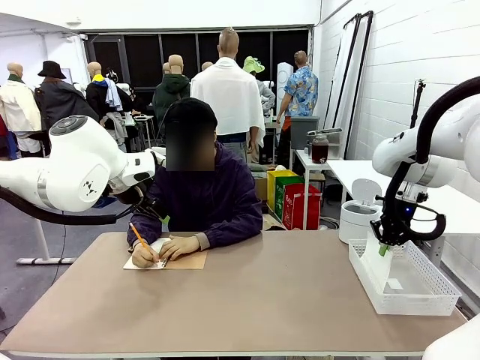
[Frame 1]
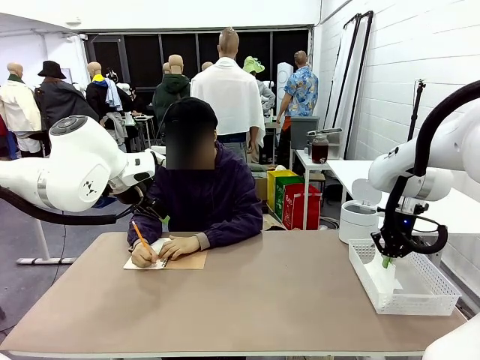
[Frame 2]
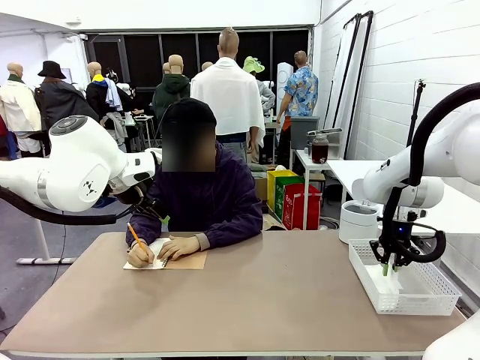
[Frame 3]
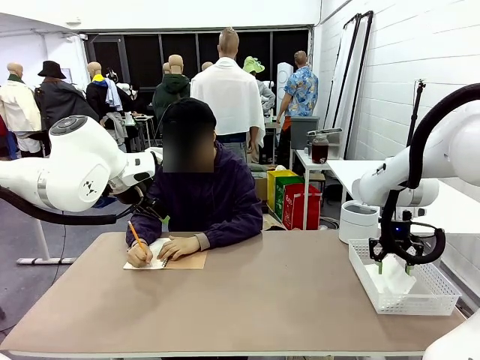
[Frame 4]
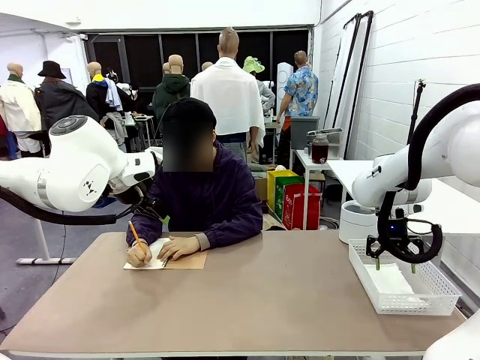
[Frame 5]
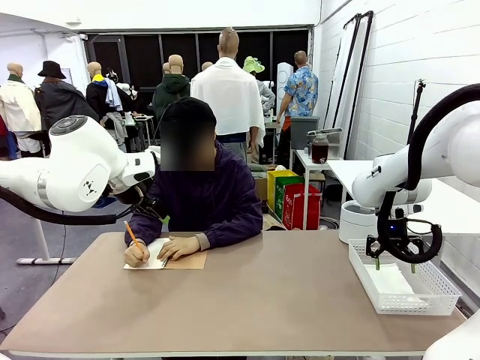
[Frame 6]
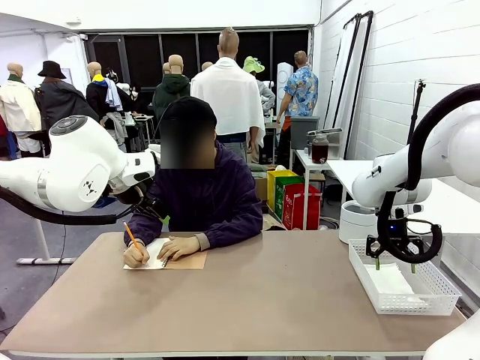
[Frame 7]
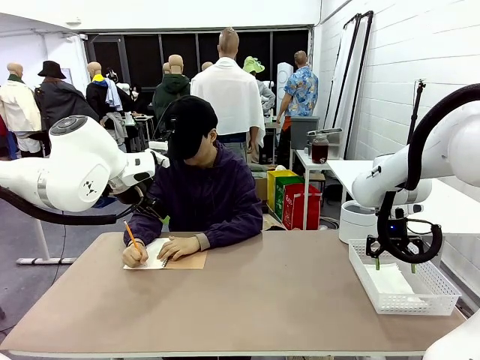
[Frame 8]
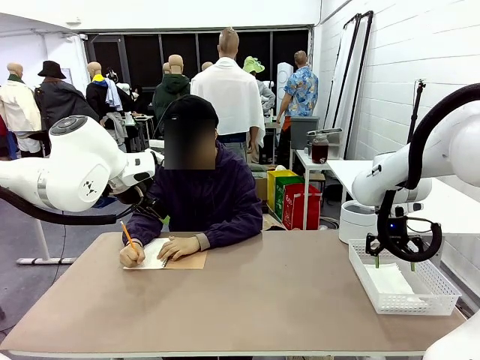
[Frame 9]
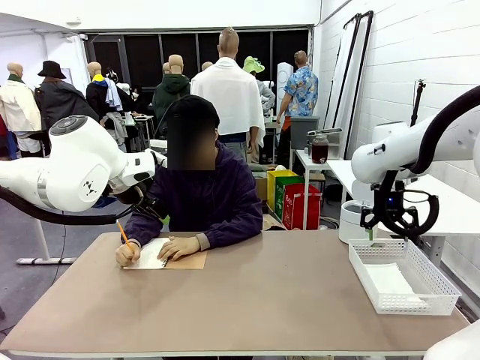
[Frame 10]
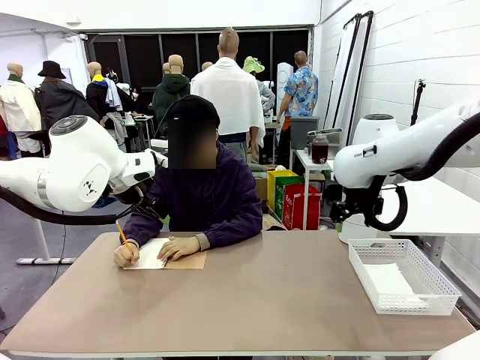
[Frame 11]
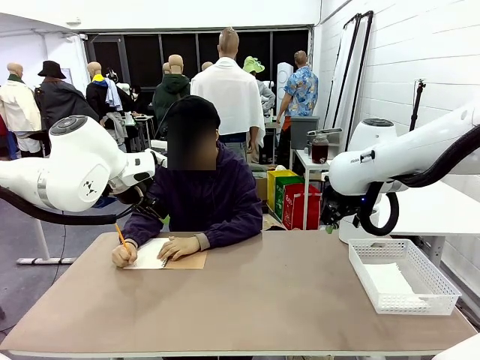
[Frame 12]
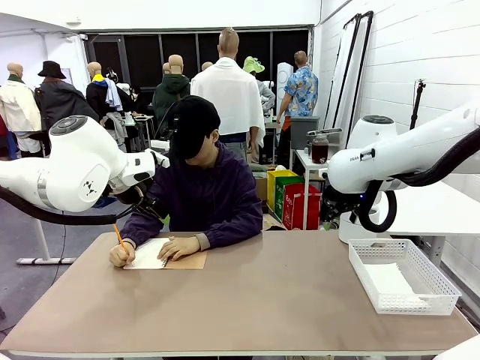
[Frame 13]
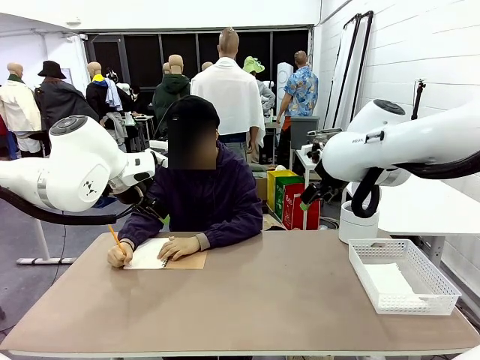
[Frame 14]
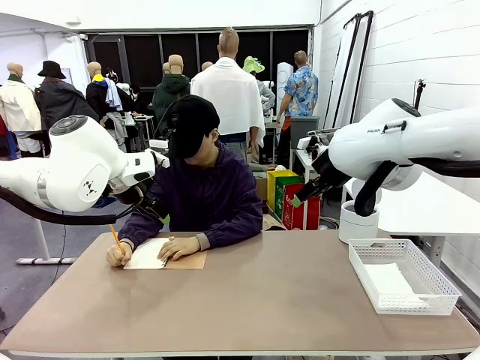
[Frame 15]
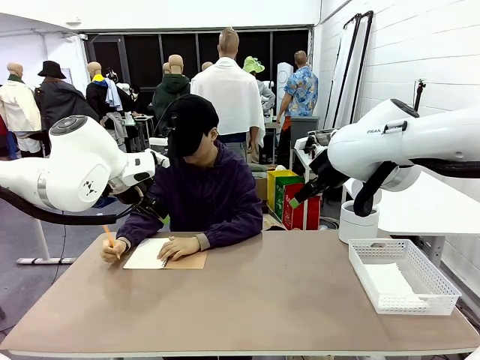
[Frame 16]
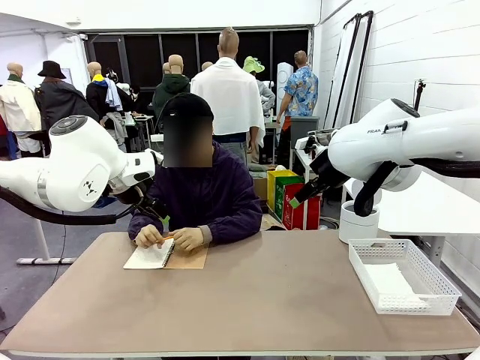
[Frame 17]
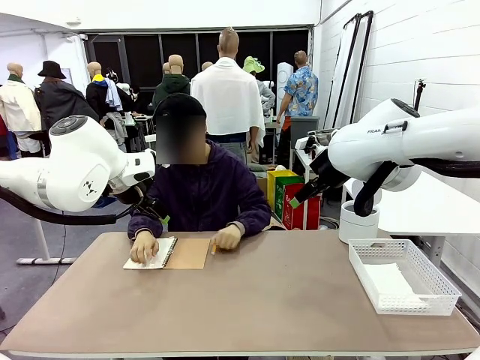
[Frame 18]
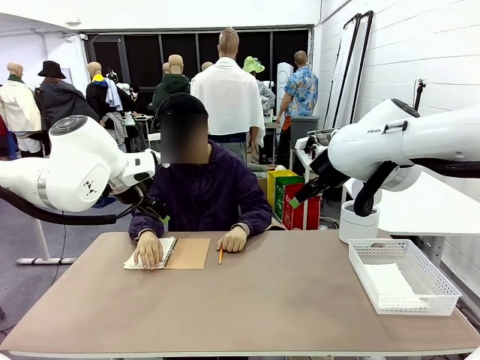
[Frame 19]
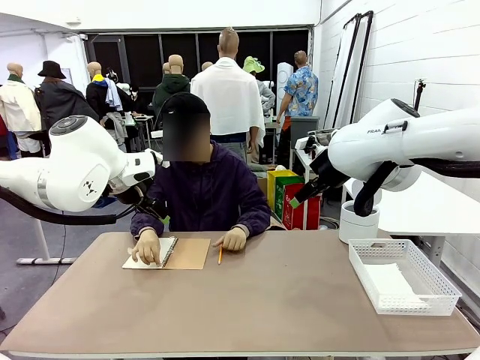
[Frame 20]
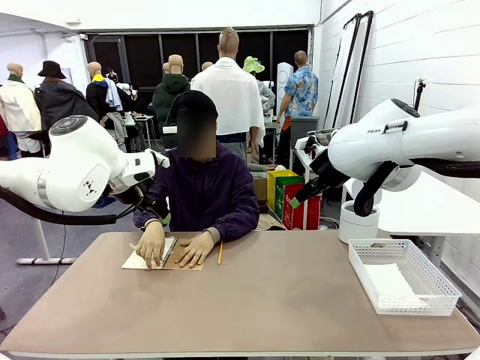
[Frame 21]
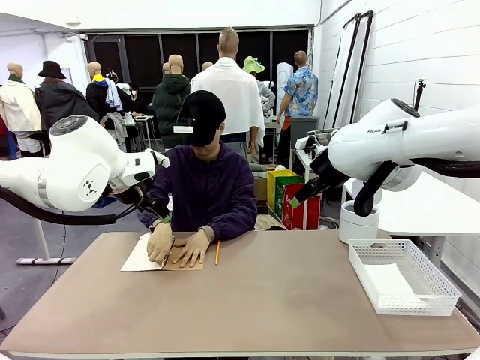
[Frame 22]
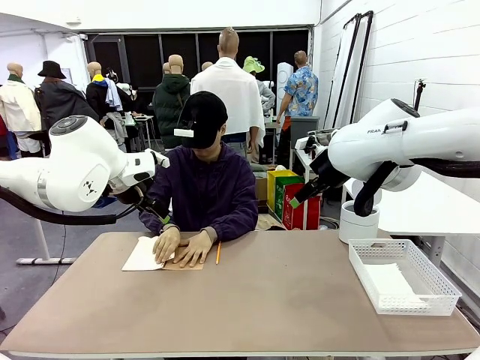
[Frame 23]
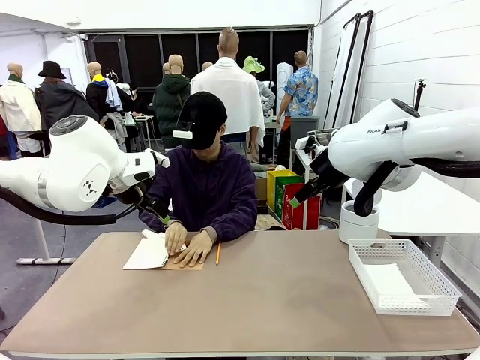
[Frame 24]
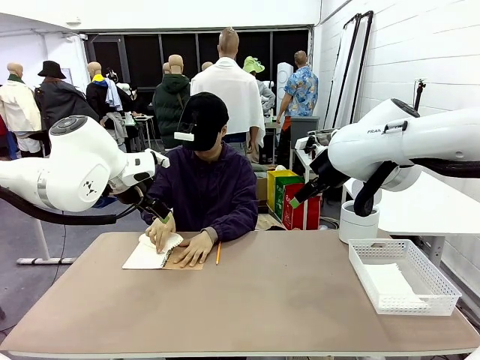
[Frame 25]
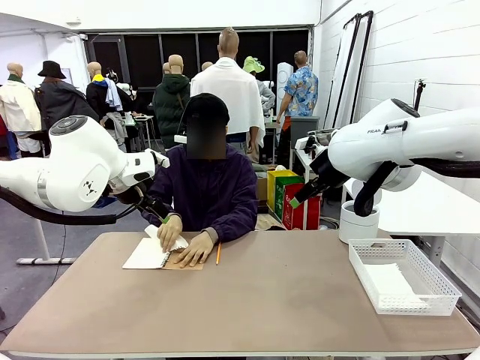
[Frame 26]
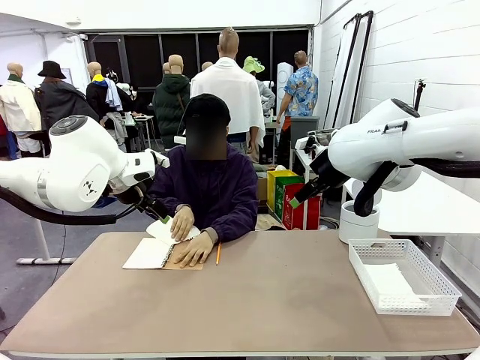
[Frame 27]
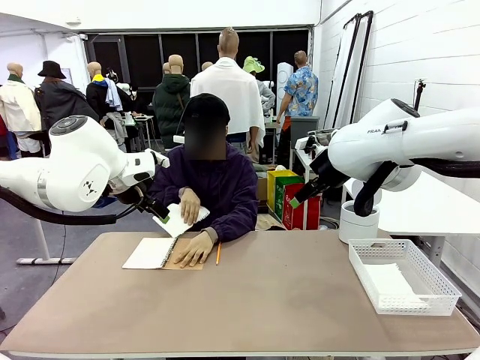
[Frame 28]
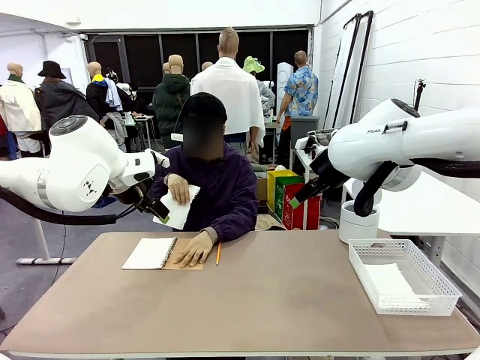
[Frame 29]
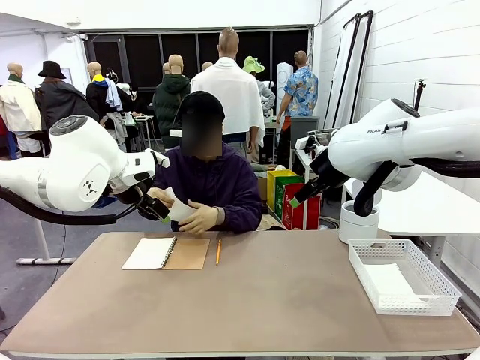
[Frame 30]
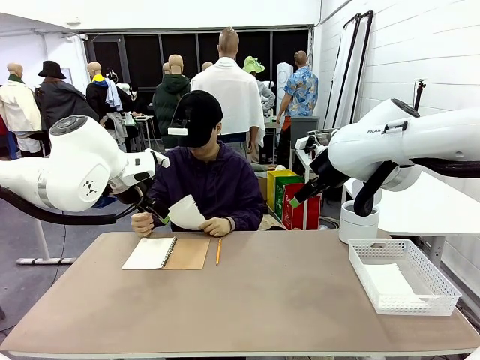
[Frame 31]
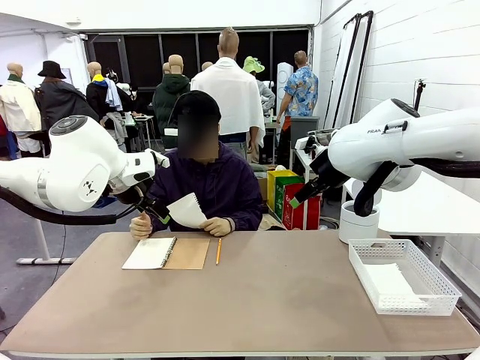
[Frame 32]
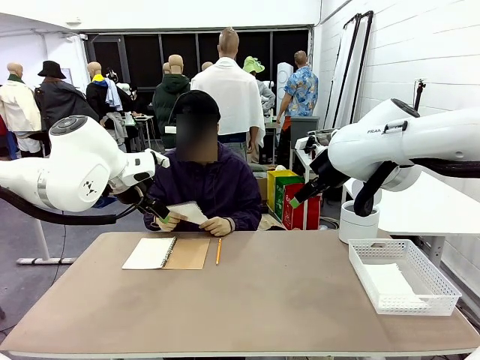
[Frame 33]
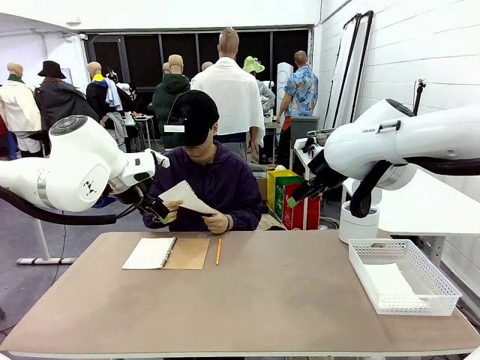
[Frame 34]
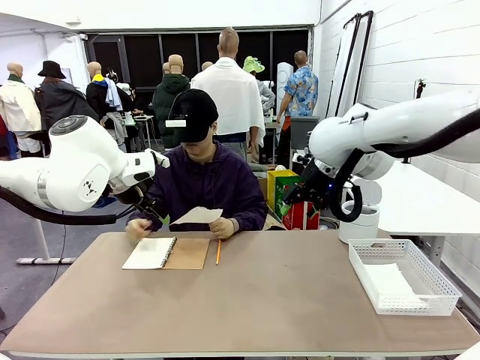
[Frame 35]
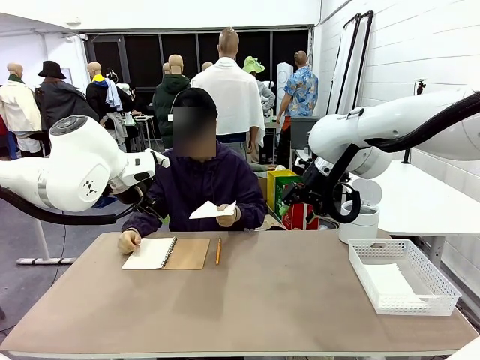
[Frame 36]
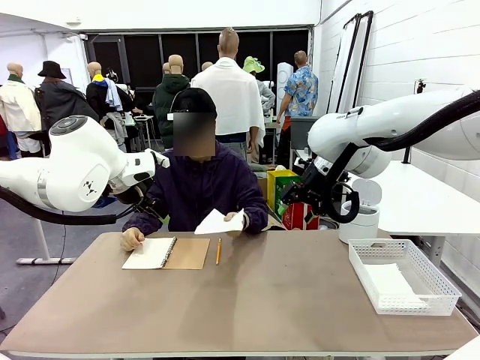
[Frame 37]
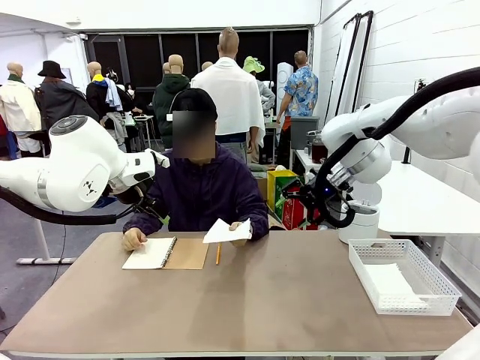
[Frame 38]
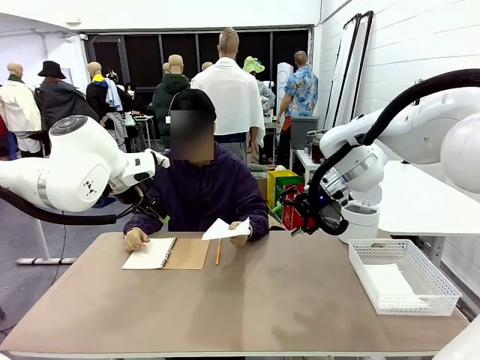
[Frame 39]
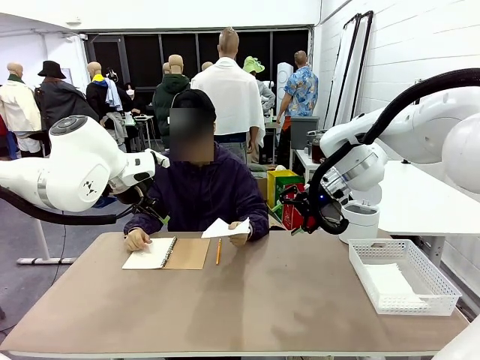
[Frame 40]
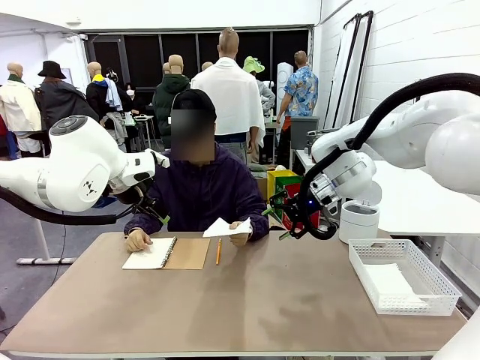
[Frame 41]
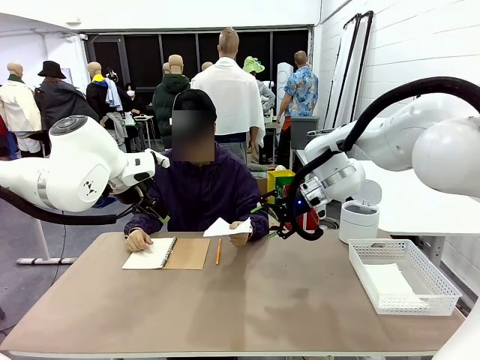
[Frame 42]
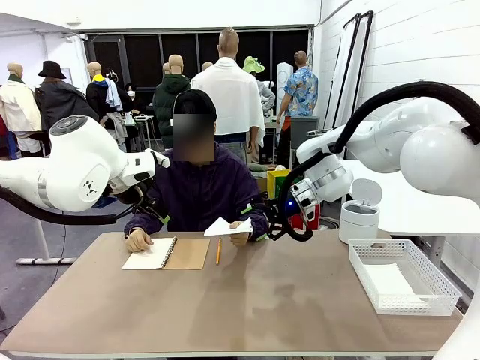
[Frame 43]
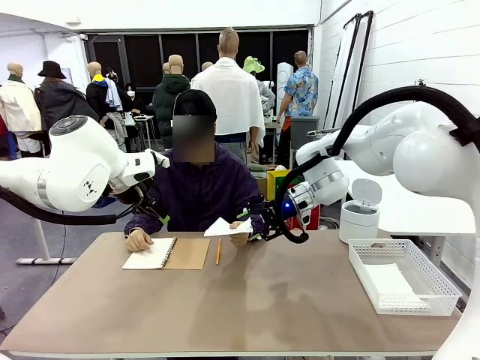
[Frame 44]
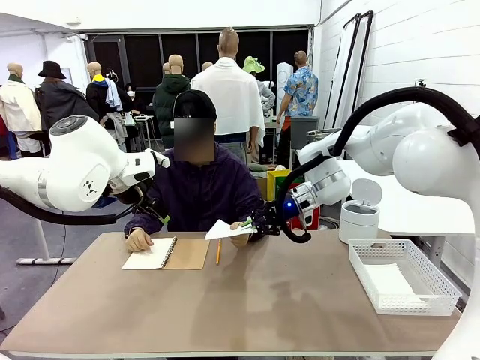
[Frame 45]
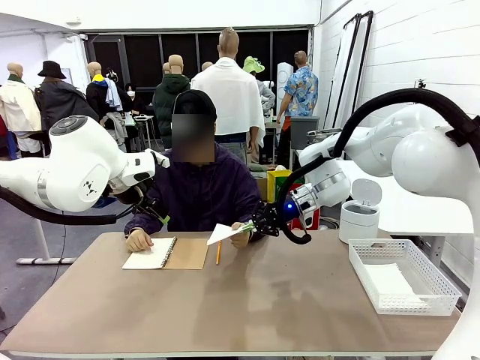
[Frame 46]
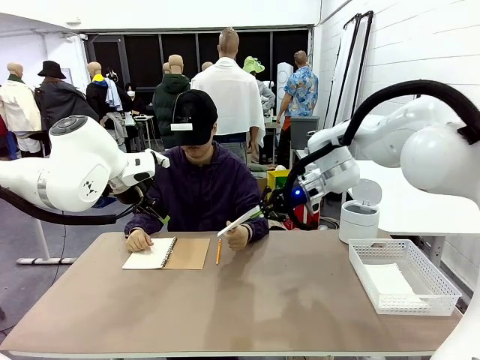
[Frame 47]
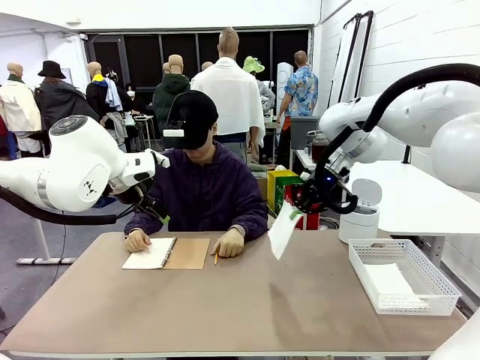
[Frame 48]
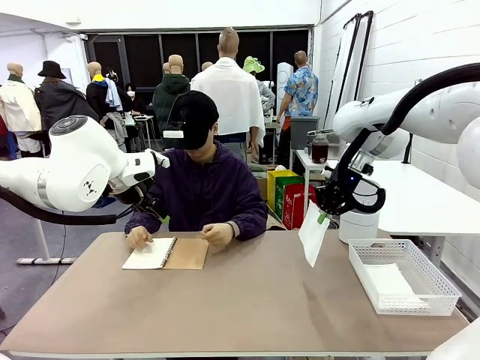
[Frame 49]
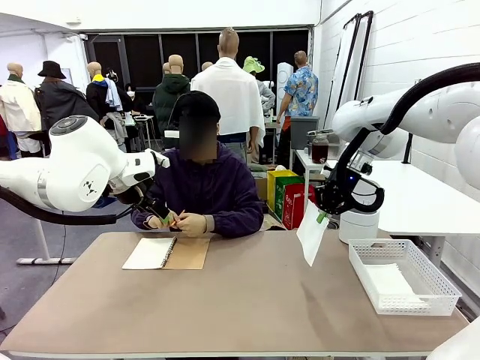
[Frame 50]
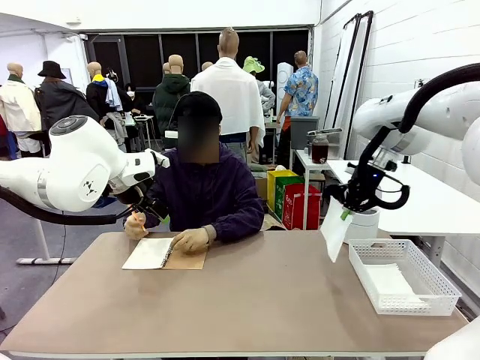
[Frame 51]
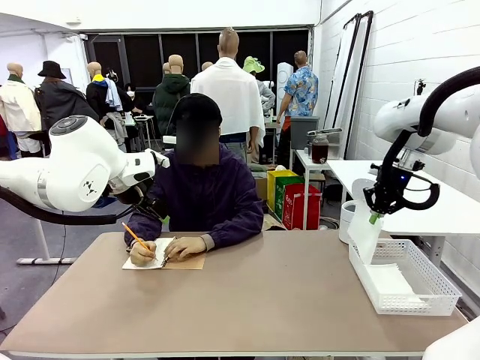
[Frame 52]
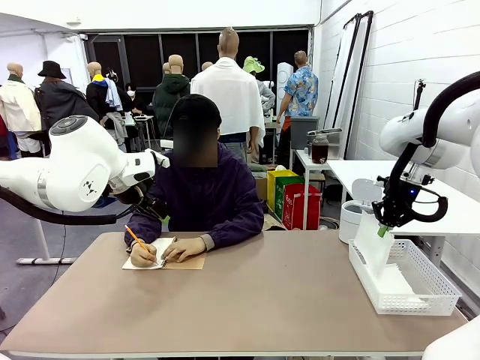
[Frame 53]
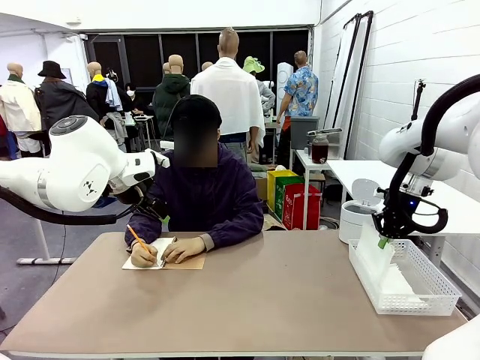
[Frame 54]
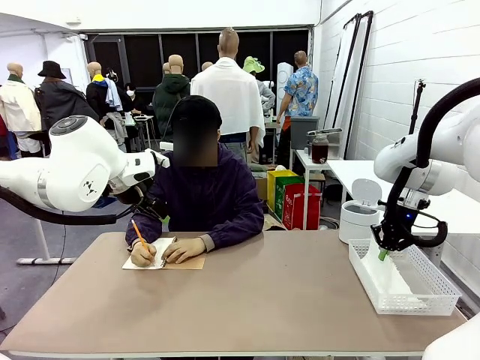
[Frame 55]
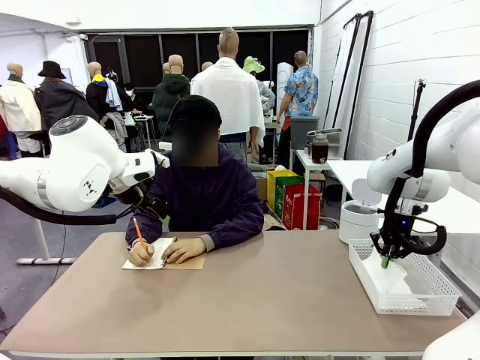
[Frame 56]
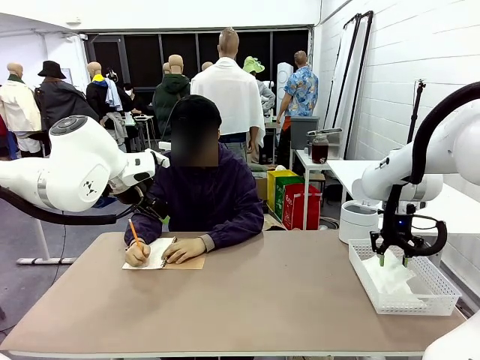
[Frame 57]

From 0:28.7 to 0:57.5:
Task: Sort the paper based on its condition.
Robot: If a person hands you a paper, place it in the Organizing basket , and if it's crumpled, put it in the Trash can.
Person: Tear out a page from the spiral notebook. Hand the torn page to the robot or crumple it and throw it to the center of the table. Tear out a page from the spiral notebook.
